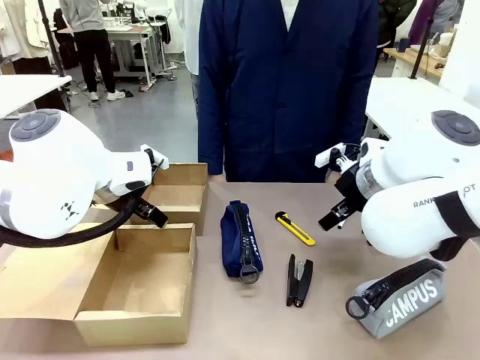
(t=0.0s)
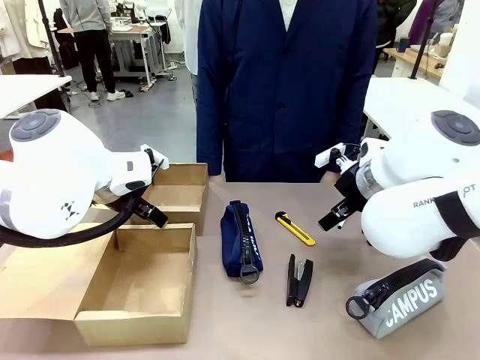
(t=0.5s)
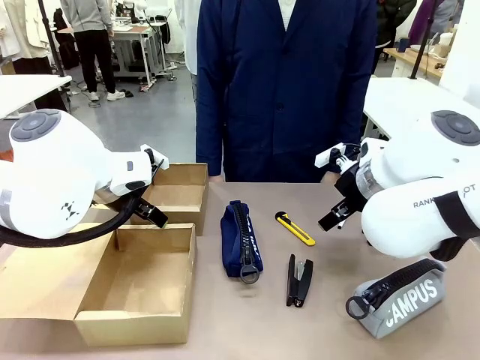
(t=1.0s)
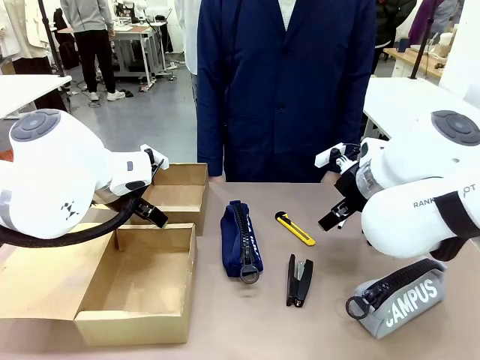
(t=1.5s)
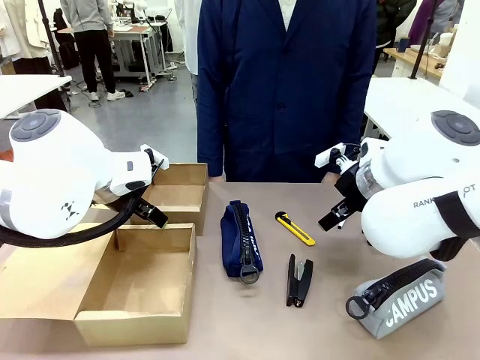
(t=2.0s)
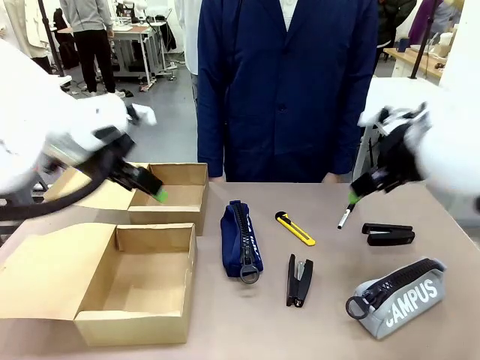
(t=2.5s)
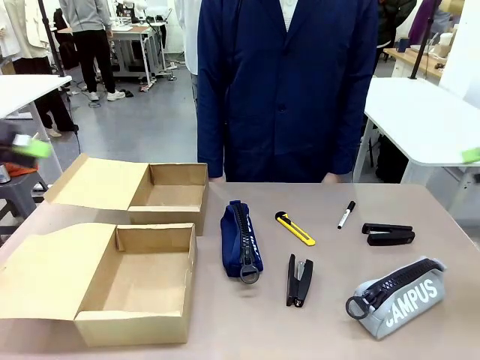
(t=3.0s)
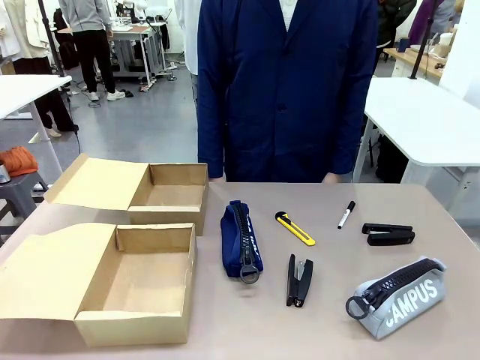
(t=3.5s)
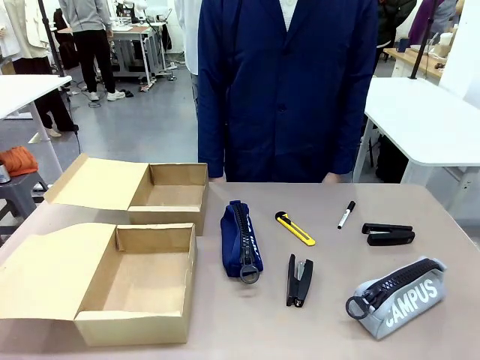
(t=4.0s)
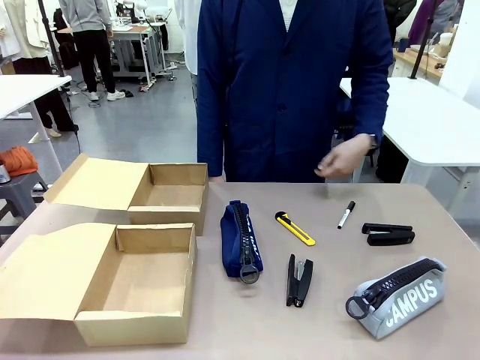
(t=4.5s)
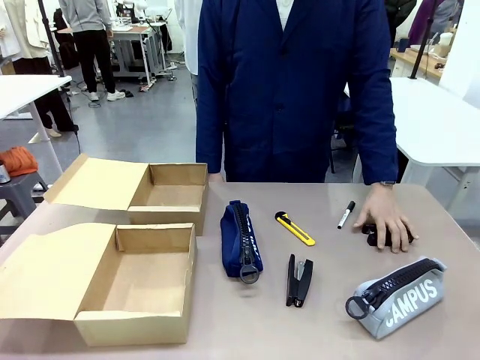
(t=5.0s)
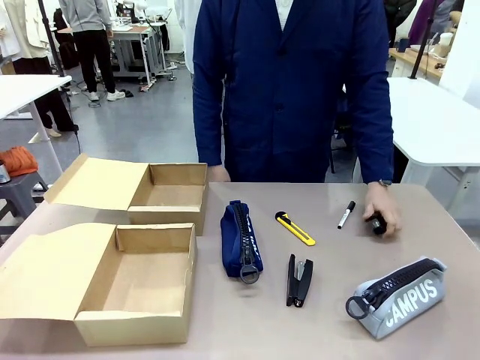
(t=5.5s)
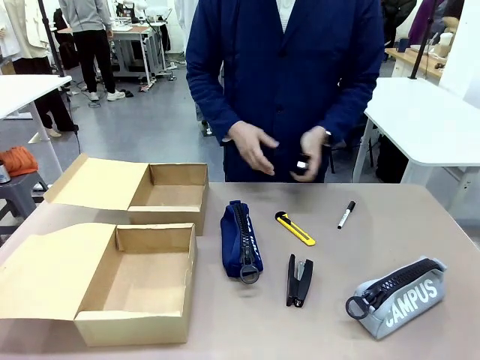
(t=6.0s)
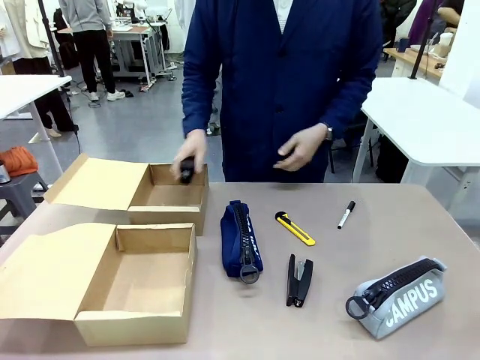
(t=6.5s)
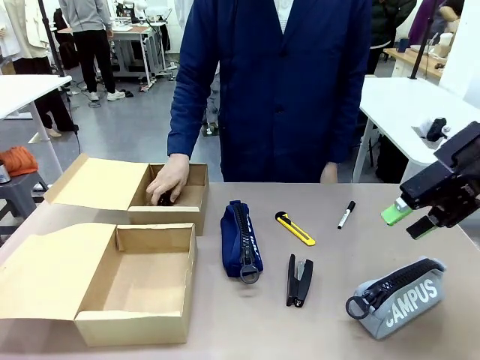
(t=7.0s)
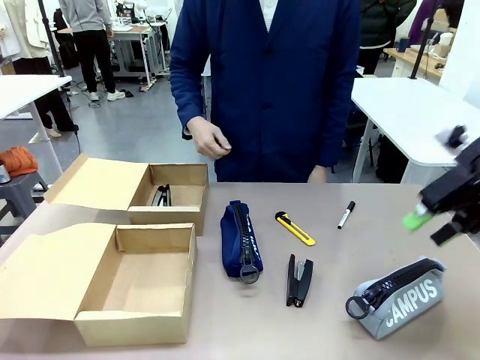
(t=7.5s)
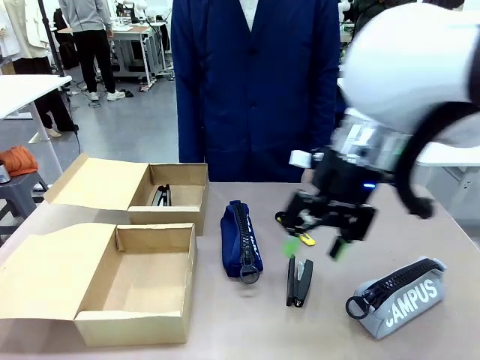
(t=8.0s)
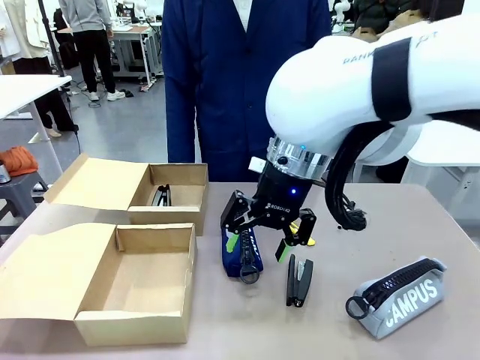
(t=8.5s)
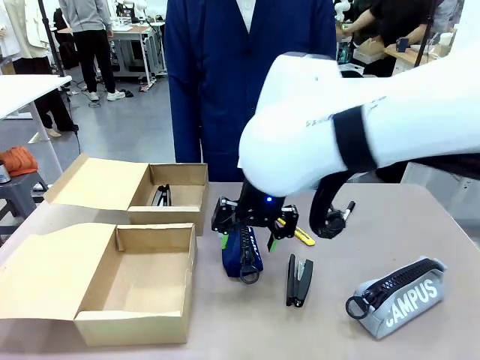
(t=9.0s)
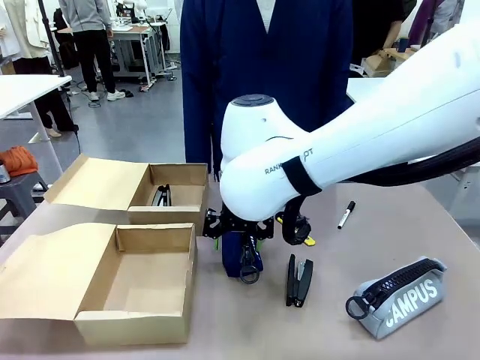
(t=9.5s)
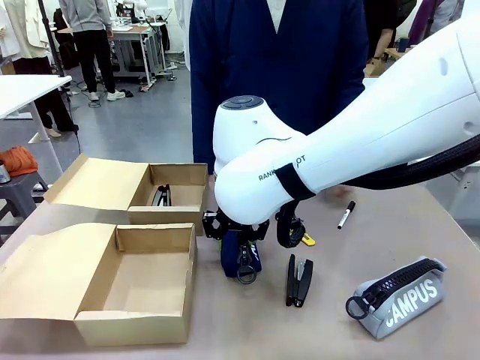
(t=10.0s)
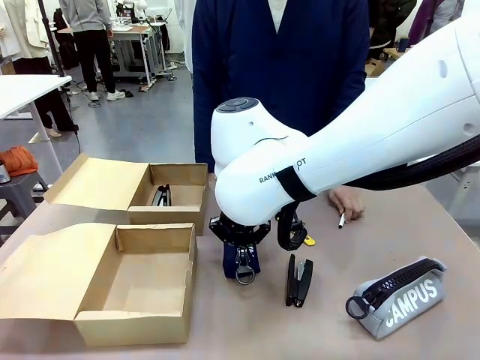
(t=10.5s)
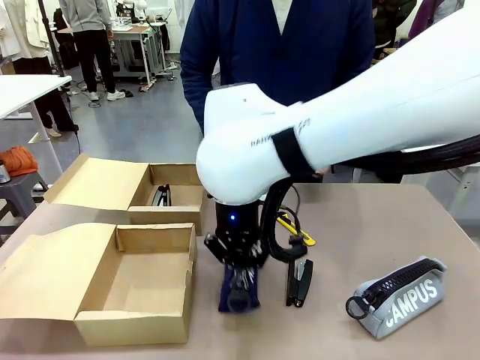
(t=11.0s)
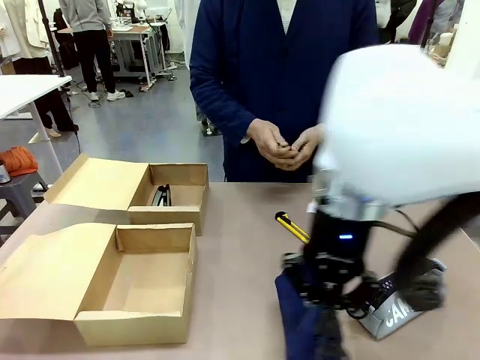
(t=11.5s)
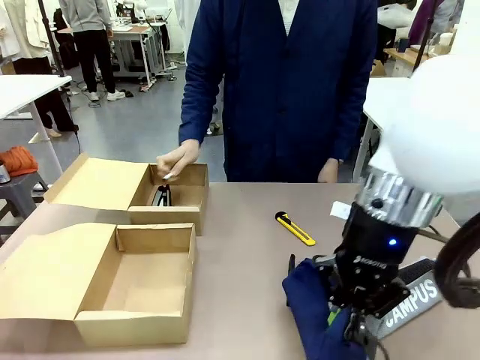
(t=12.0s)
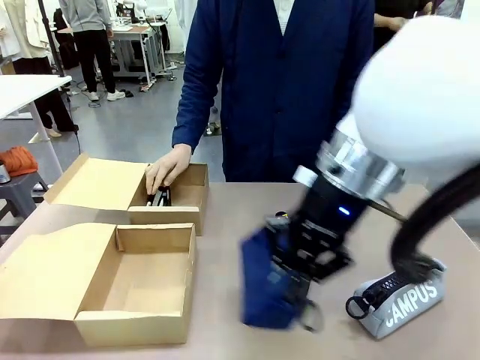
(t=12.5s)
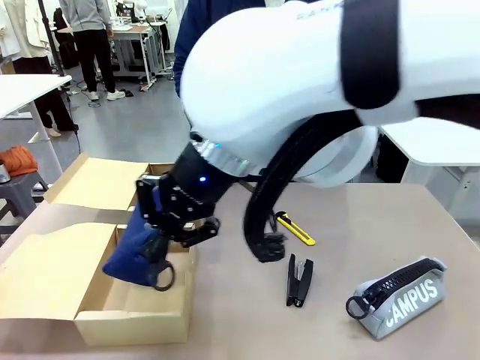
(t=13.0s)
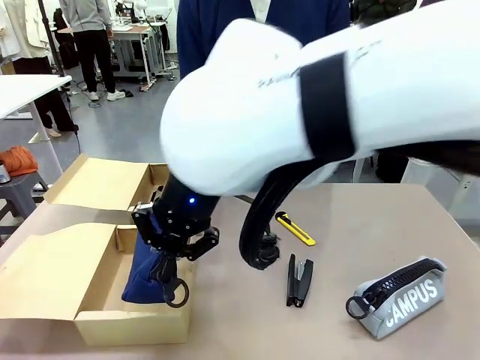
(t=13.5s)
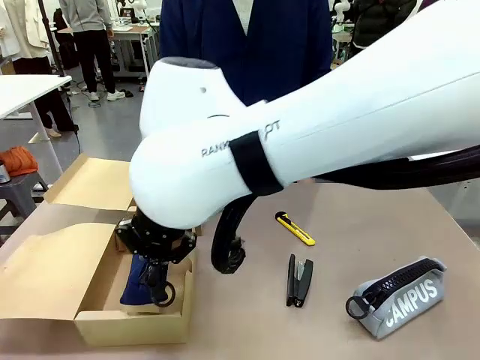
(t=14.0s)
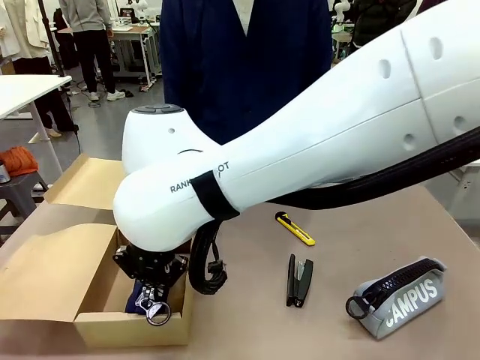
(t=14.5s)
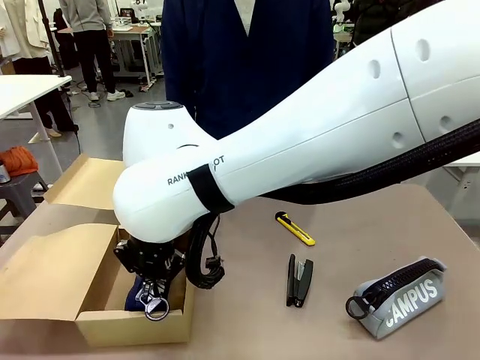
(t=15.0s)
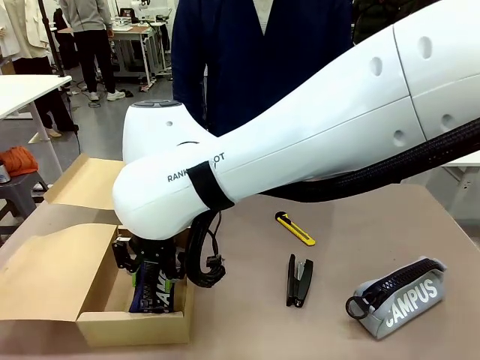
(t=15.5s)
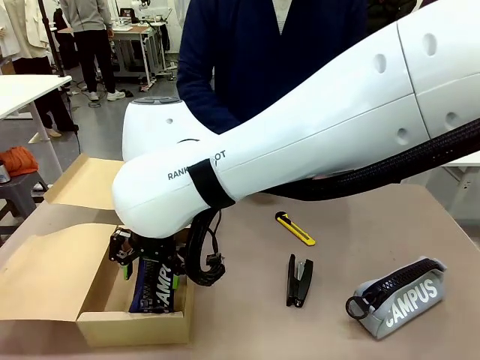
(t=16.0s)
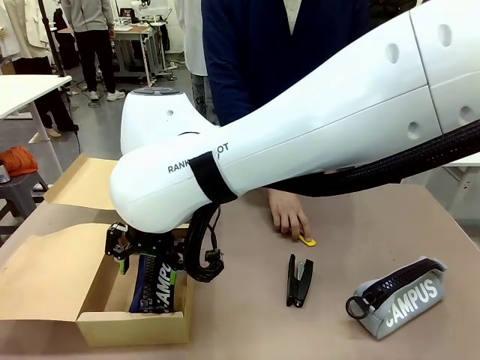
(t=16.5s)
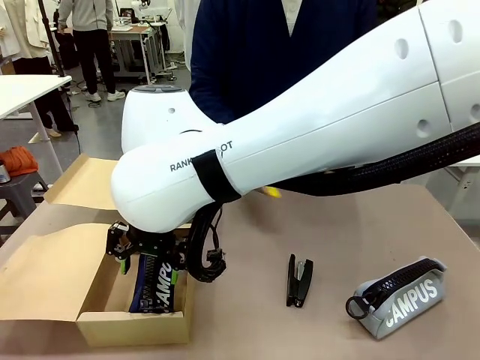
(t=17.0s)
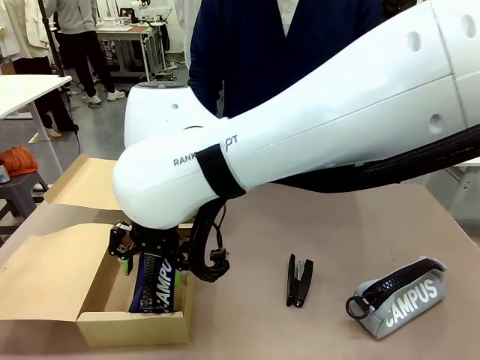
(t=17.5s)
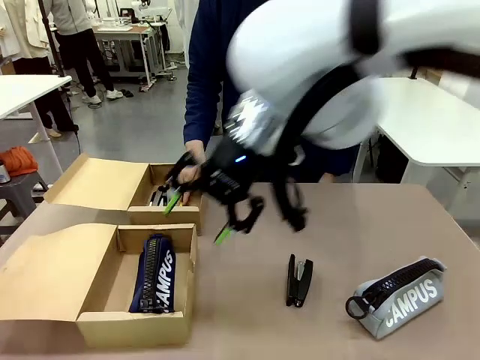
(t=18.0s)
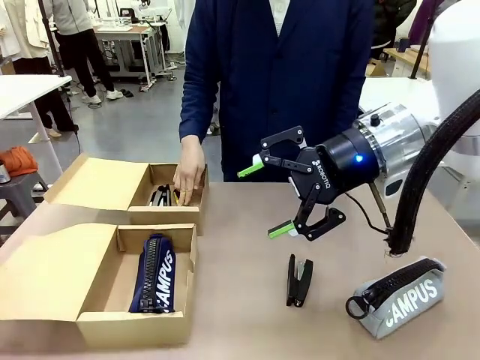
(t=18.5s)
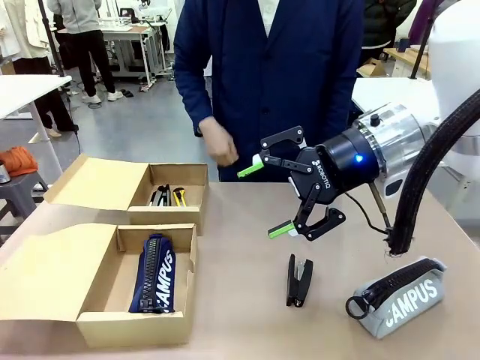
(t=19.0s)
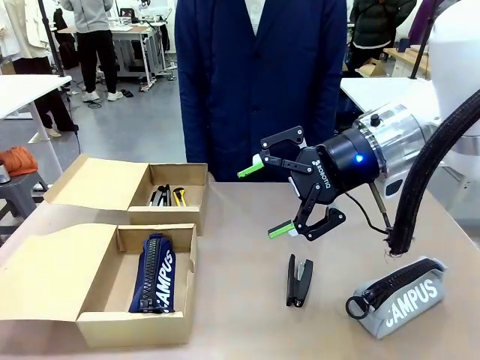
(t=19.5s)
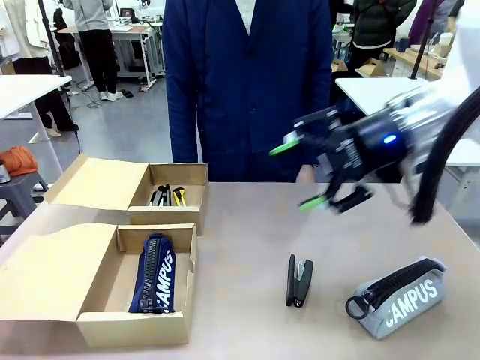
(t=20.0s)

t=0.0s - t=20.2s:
Task: Place items inside the box.
Robot: Pick up a Pencil pouch or Stapler and place it inside the Mailer Box closest to the robot.
Person: Pick up an object on the table and put it in the box.
